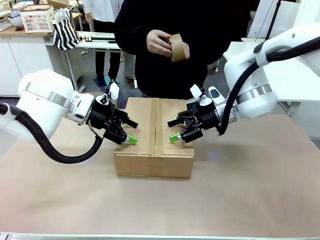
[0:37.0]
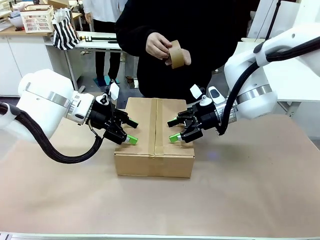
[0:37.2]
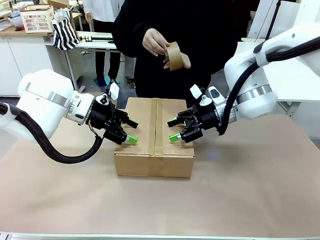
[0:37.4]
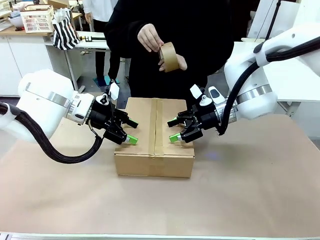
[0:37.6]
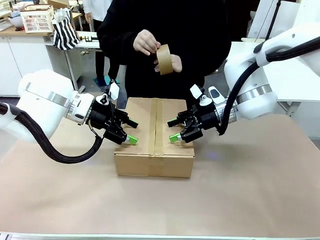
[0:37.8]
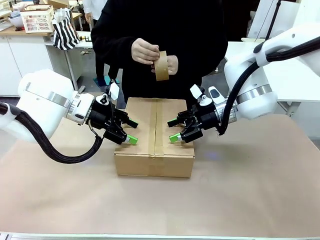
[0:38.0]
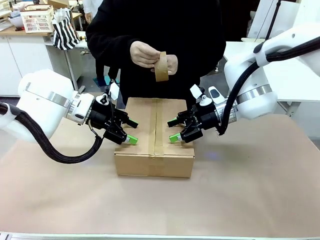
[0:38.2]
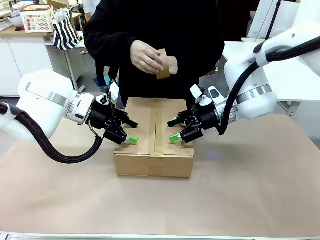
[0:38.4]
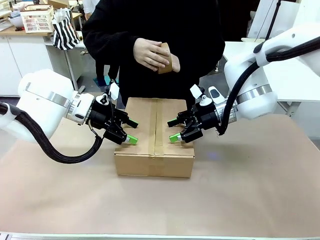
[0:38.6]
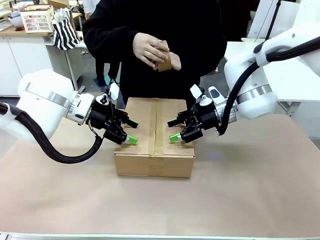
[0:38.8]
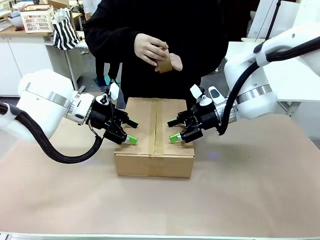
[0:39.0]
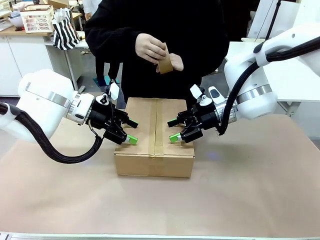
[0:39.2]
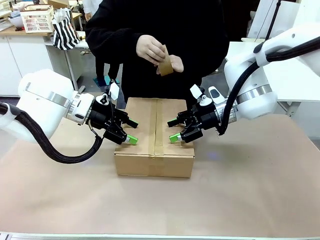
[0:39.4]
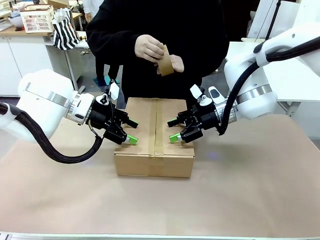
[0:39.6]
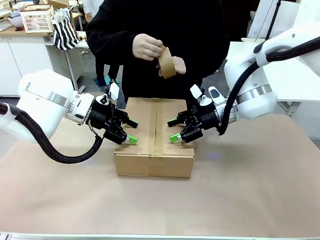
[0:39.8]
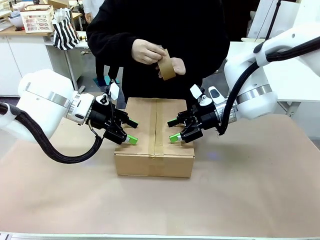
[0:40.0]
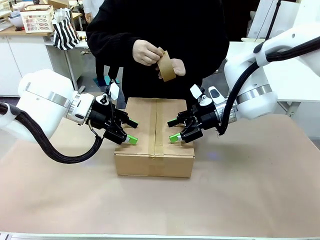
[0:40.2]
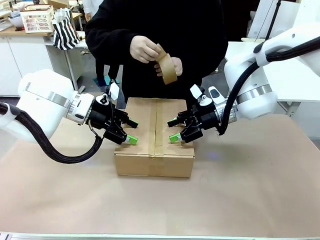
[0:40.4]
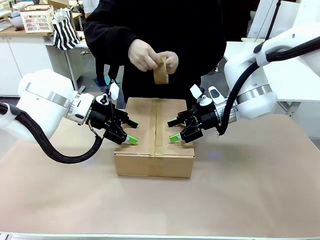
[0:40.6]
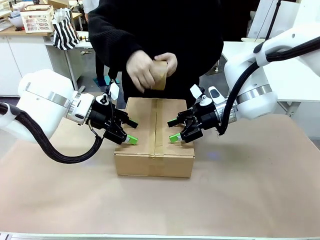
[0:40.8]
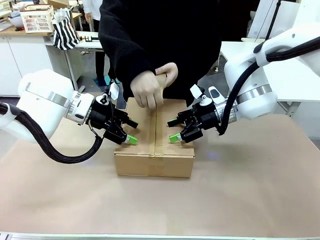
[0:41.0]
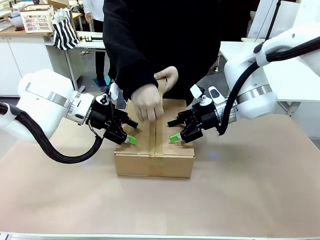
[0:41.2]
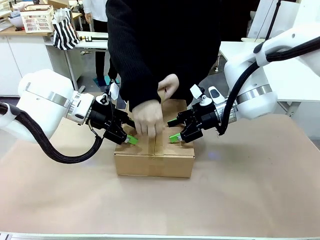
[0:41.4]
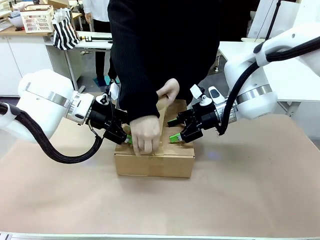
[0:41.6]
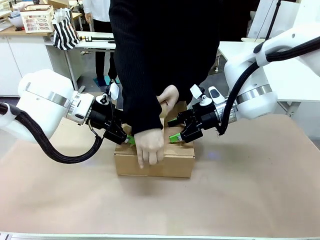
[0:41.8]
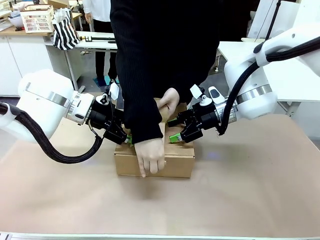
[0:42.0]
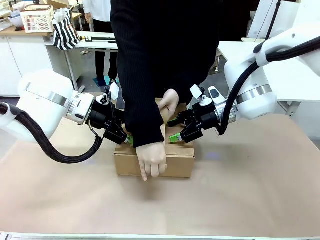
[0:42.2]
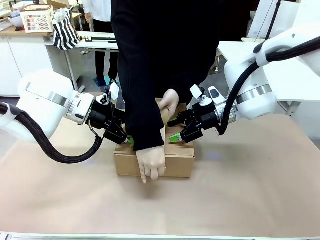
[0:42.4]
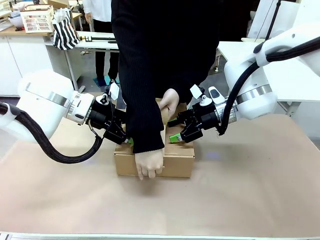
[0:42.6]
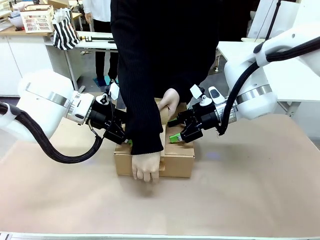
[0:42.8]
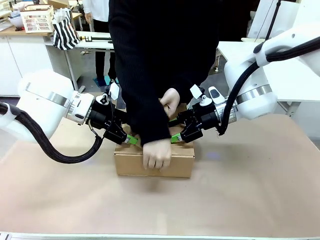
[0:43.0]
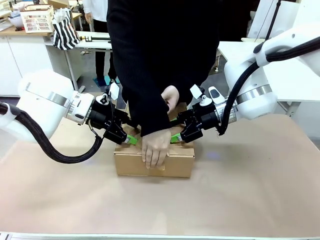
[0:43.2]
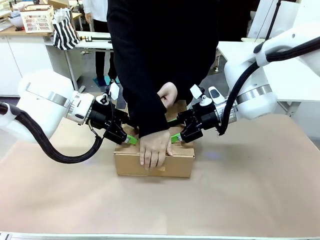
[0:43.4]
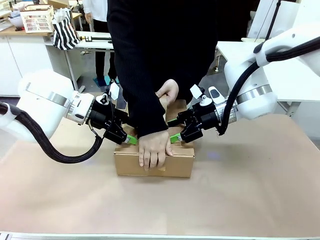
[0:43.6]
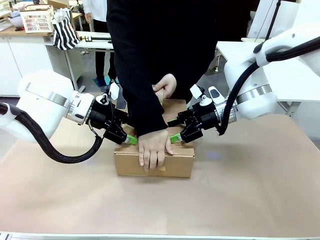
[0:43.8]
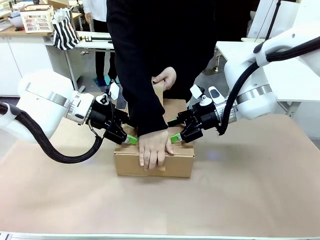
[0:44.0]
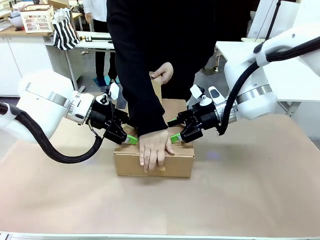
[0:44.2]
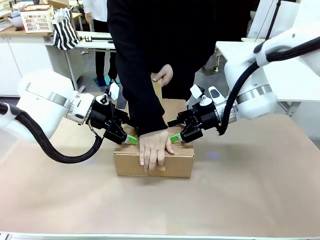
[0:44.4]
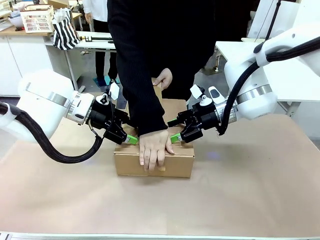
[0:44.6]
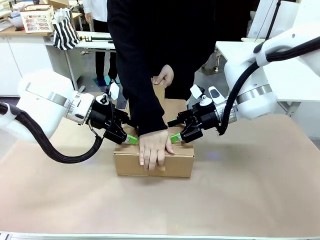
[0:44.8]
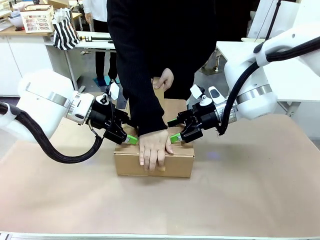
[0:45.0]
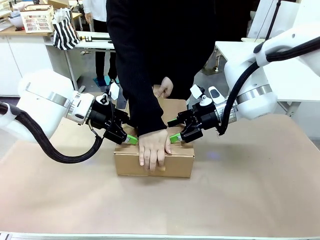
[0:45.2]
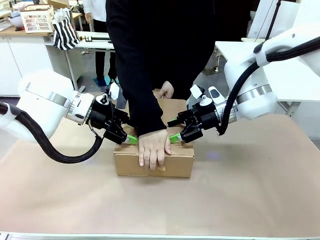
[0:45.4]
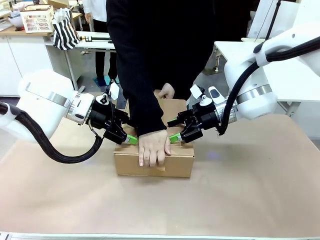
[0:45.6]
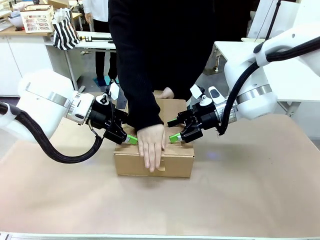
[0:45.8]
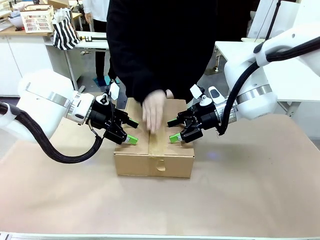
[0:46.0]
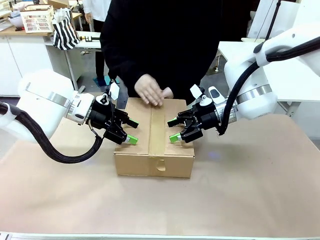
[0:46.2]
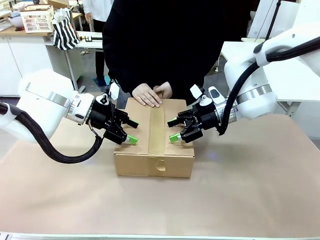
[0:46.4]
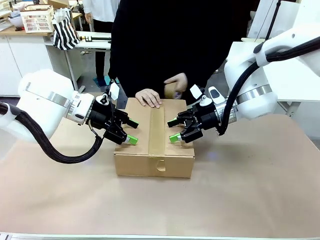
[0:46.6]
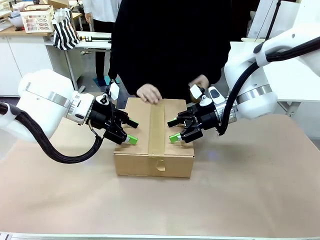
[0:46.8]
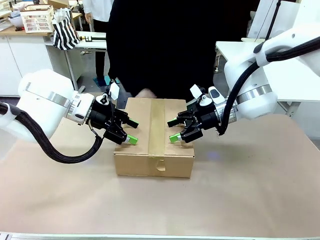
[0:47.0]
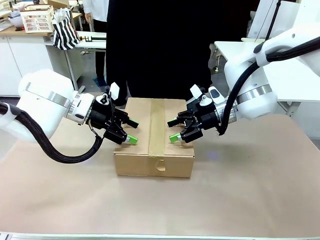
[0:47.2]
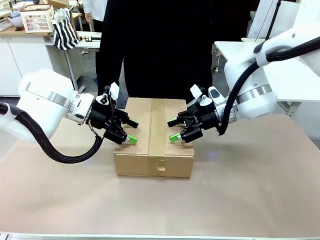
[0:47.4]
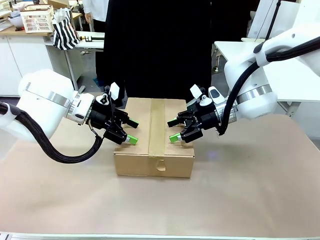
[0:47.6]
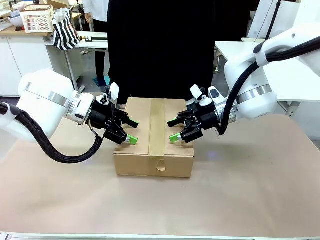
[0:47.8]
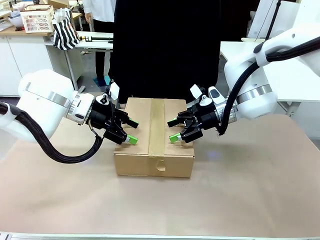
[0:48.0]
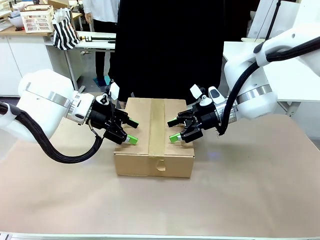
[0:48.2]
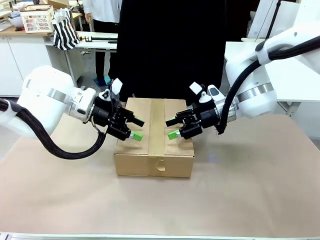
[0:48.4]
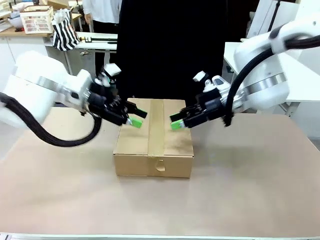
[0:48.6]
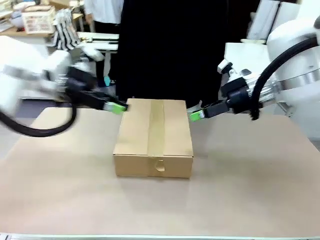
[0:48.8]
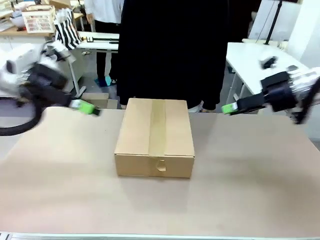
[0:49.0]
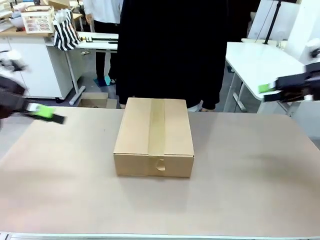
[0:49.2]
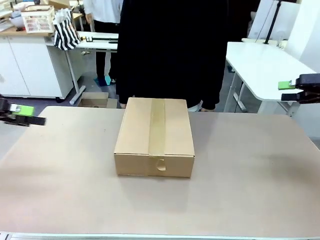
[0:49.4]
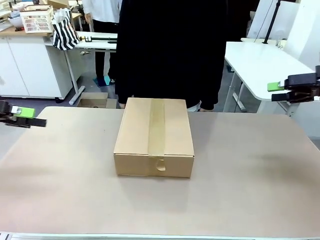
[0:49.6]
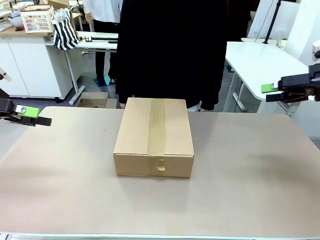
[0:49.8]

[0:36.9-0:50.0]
Task: Pack the gift set into the box.
Robot: Press and hold the closed box until the human finishes sealing it.
Person: The human picks up the paper tape from the human table and packs the box.

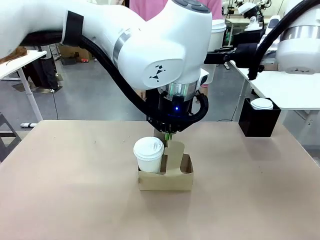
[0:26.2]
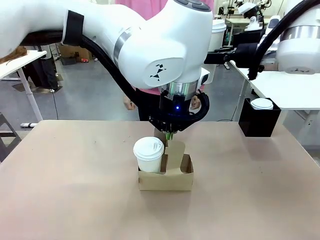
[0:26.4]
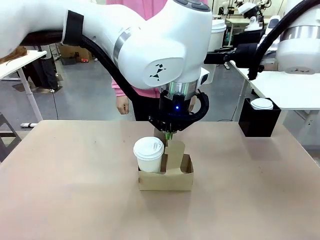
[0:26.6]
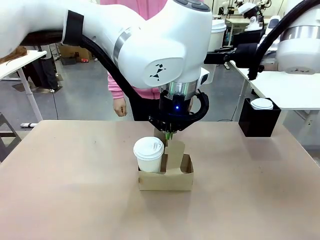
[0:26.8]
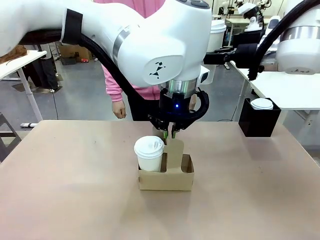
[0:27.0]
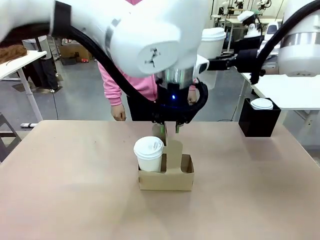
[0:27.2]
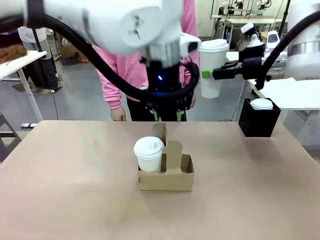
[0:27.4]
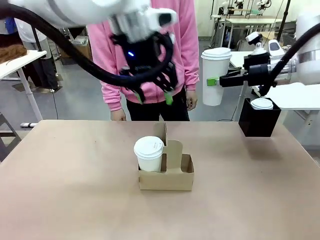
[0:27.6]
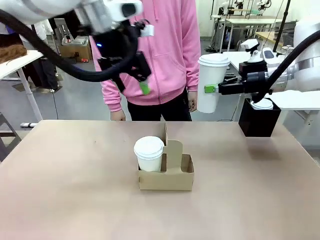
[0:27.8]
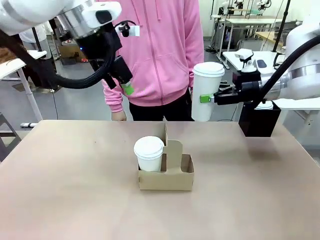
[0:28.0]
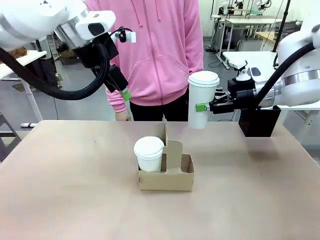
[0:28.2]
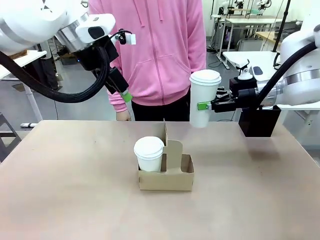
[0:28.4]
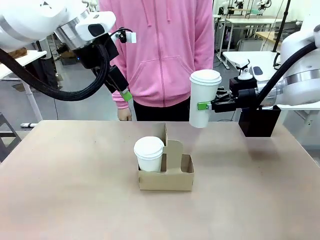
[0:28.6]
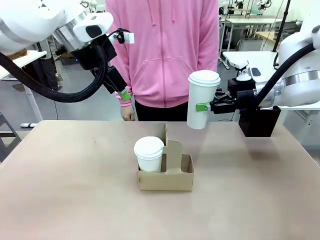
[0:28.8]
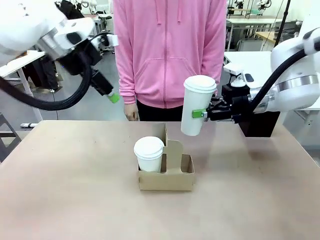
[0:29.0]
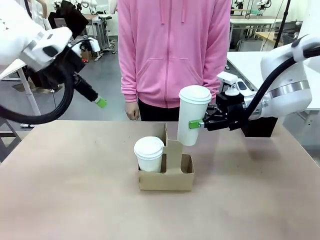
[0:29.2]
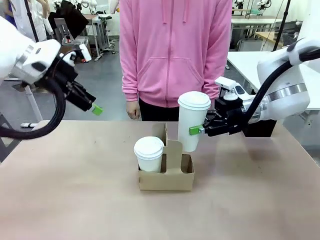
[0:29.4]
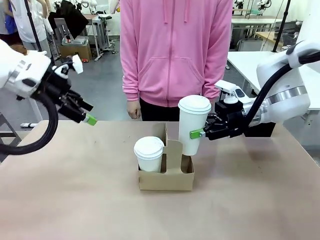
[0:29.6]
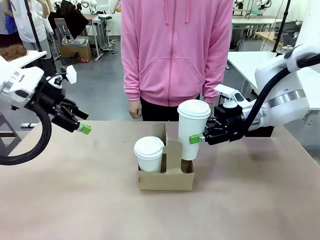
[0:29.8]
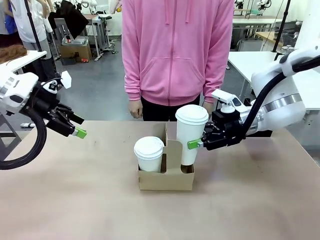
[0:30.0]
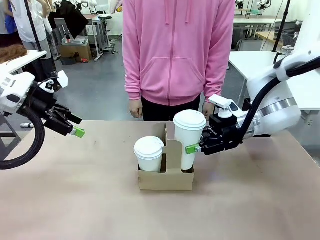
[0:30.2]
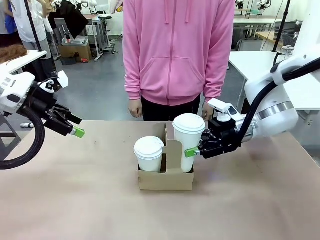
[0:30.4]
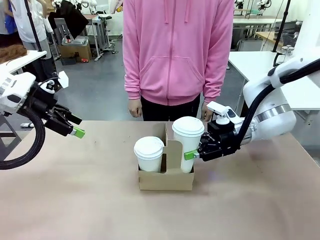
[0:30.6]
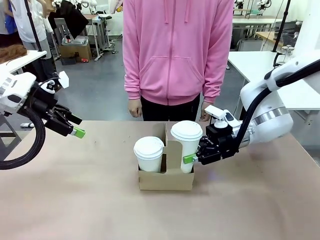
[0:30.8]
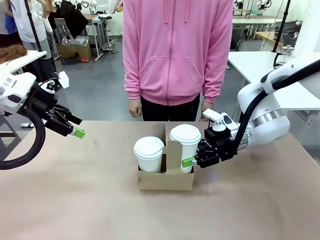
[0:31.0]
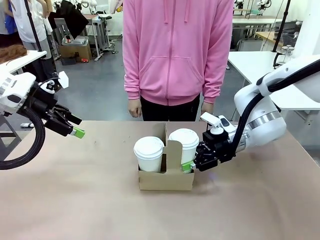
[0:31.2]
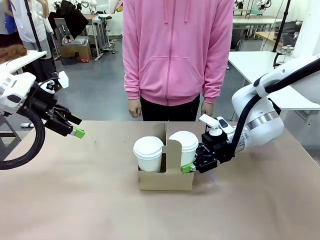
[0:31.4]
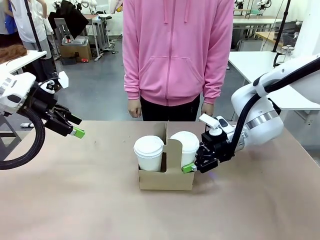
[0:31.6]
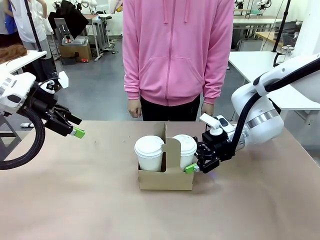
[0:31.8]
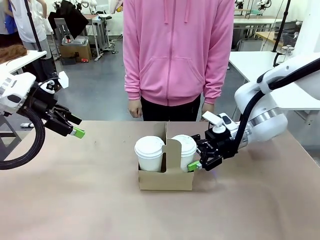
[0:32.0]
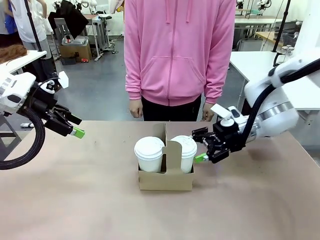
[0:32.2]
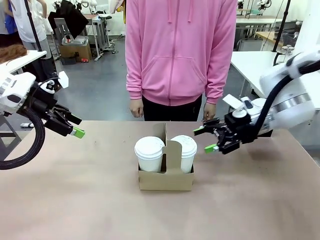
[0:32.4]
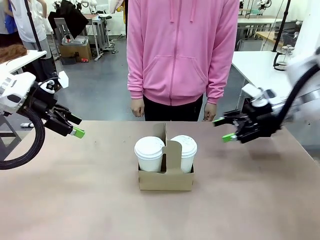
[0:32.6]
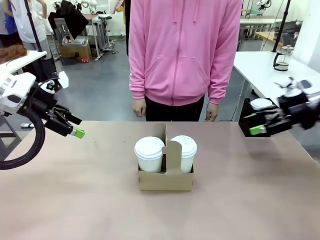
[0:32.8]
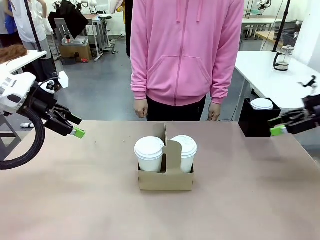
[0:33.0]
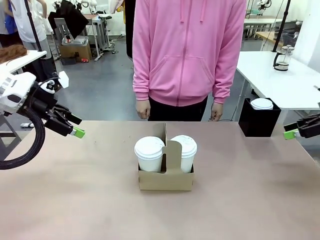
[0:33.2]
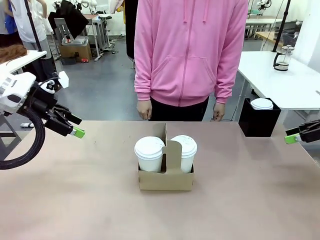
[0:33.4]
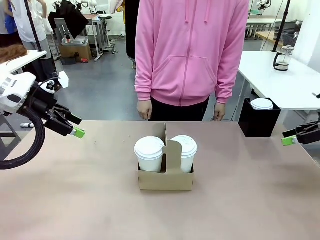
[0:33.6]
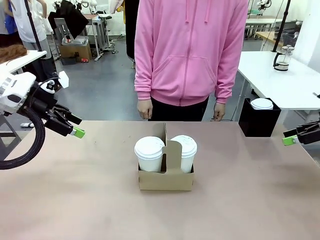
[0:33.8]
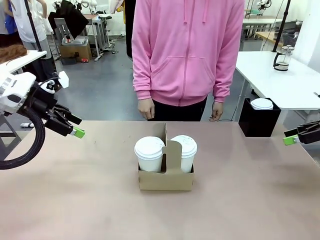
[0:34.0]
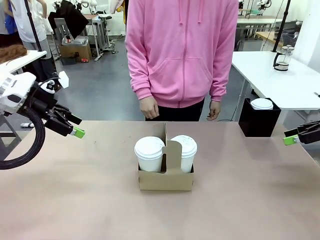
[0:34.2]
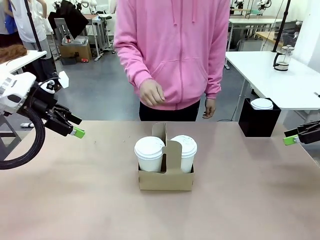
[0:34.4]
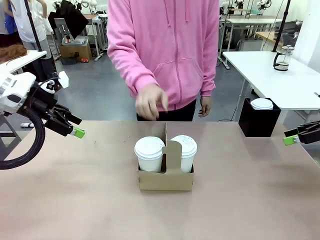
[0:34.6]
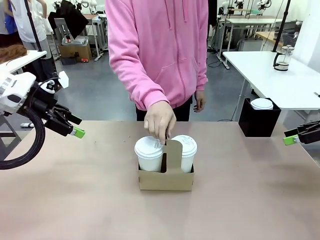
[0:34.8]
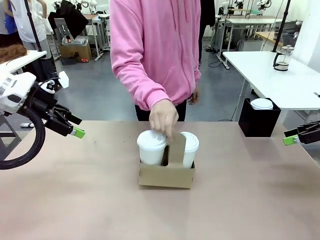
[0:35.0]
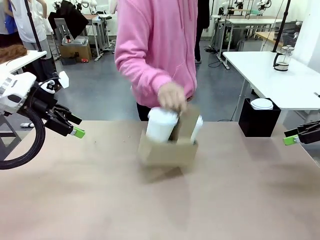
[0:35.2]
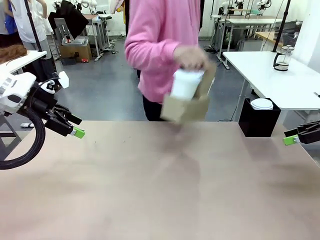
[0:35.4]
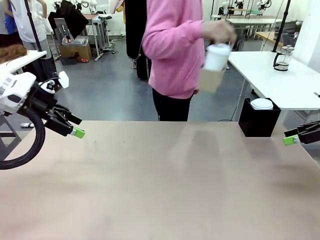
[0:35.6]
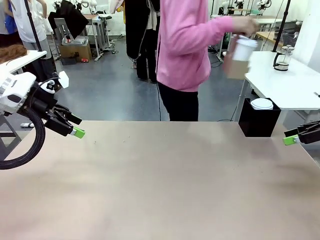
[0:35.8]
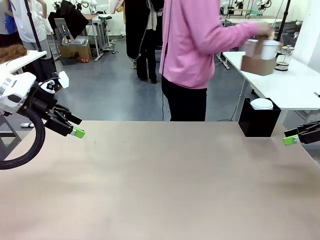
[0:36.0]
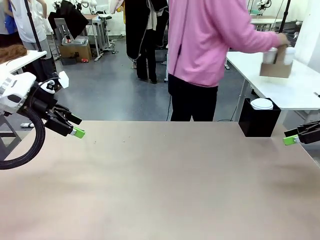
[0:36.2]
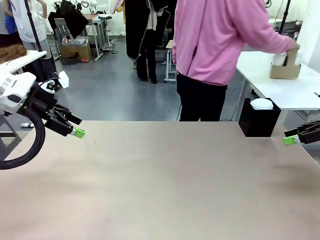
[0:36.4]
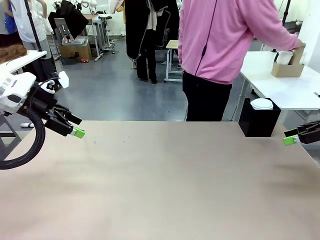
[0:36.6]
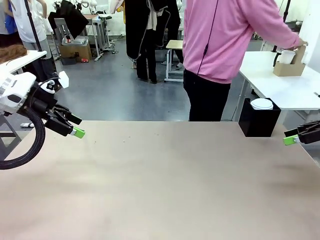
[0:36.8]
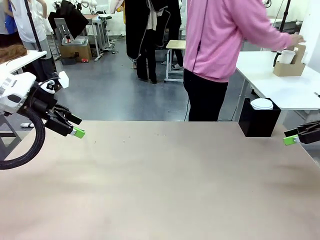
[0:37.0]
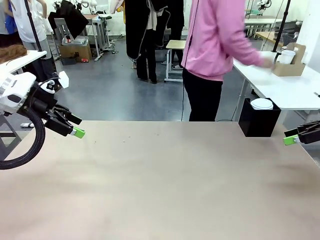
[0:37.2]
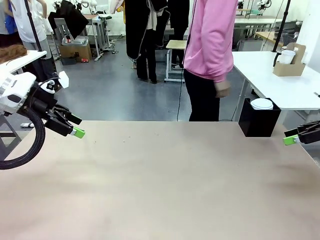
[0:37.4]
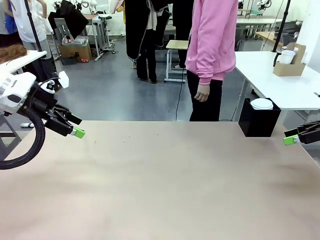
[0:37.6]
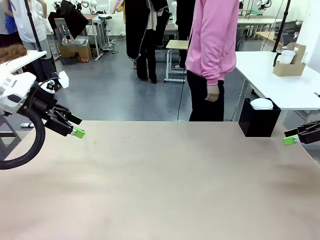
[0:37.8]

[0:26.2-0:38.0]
Task: Pour a drink into a cup and package it in a carrier.
Robot: Insert the held 600 ml Paper Cup into the Cup Carrier.
Person: Place the Cup Carrier to the middle of Human table.
